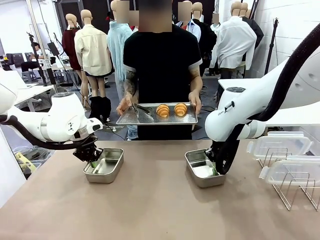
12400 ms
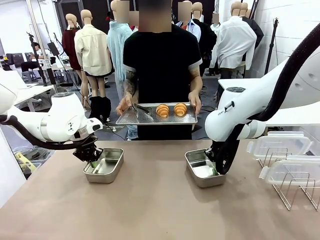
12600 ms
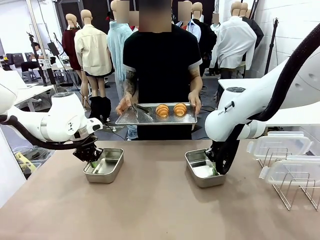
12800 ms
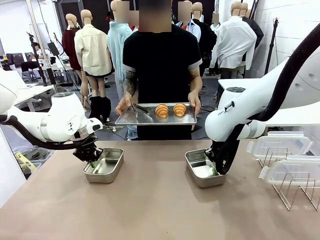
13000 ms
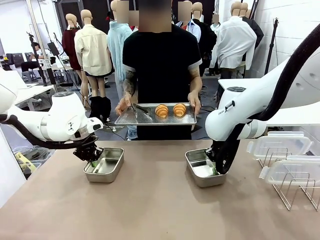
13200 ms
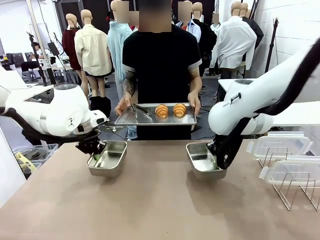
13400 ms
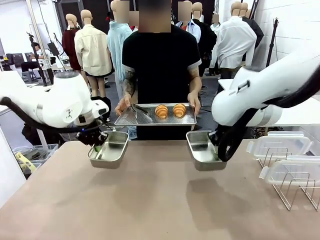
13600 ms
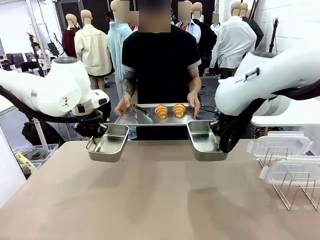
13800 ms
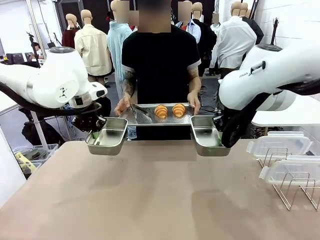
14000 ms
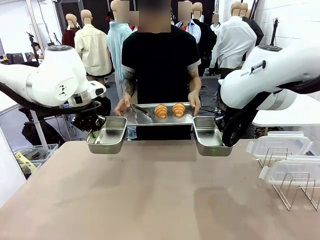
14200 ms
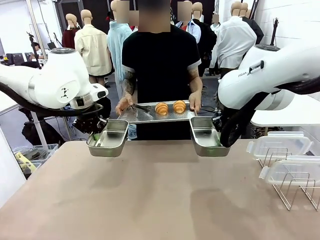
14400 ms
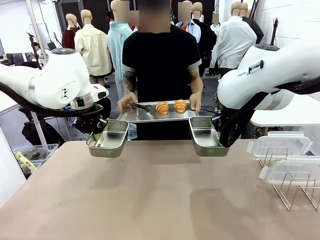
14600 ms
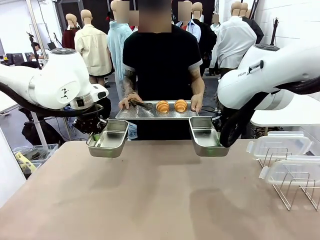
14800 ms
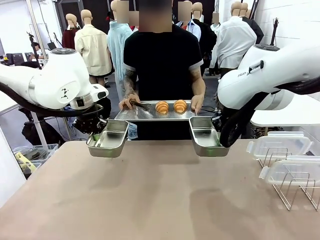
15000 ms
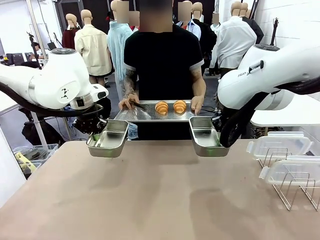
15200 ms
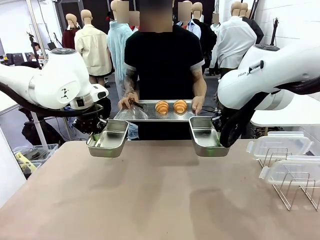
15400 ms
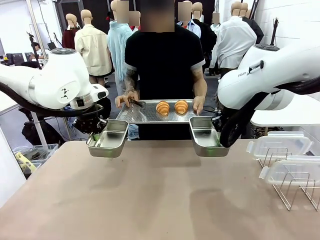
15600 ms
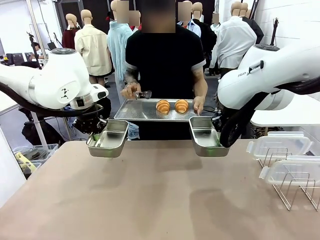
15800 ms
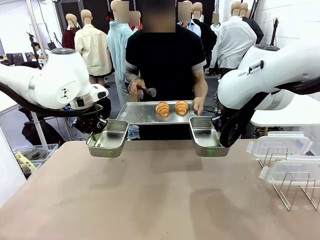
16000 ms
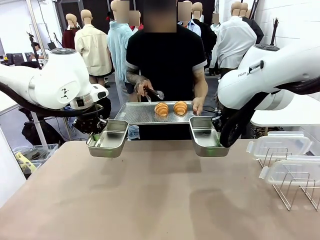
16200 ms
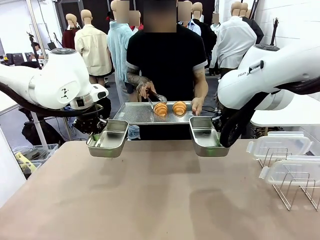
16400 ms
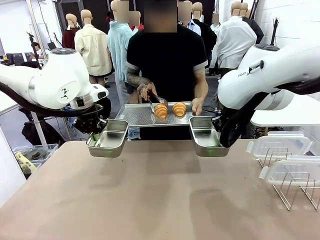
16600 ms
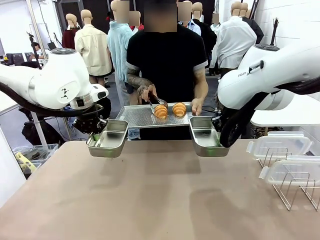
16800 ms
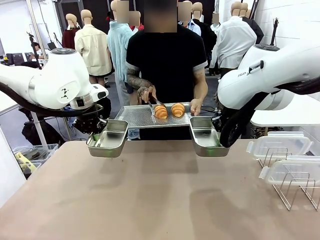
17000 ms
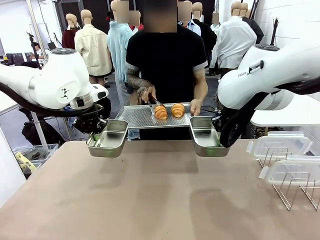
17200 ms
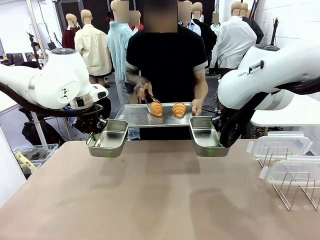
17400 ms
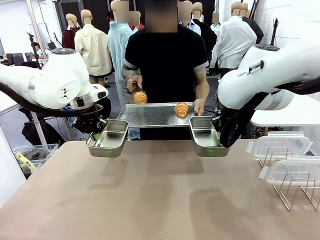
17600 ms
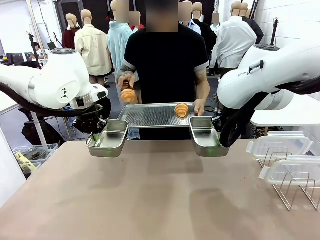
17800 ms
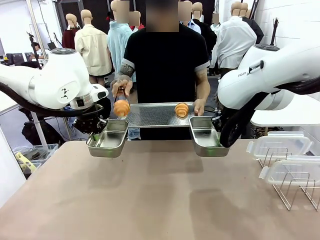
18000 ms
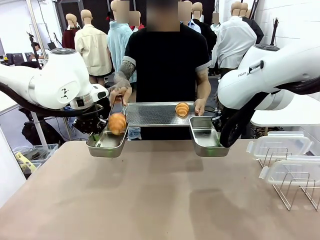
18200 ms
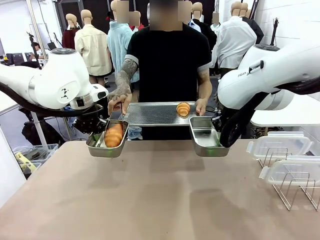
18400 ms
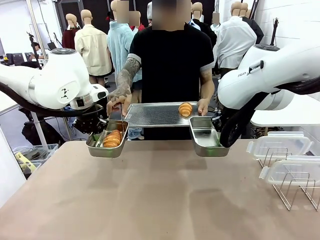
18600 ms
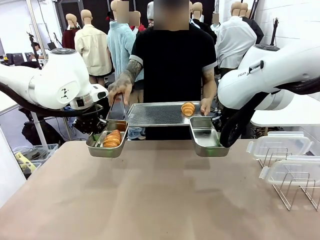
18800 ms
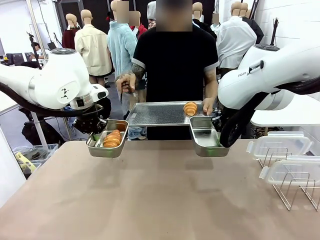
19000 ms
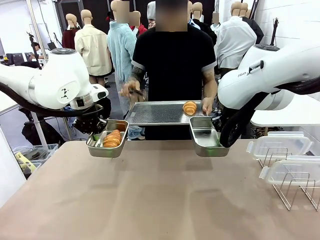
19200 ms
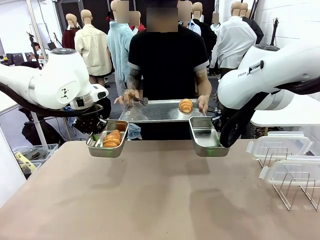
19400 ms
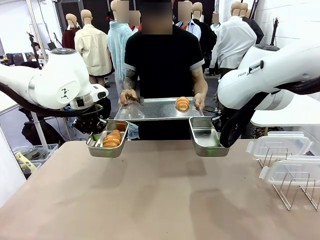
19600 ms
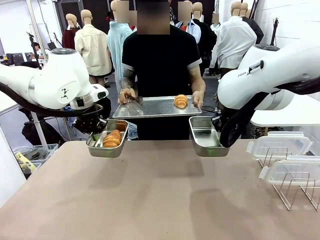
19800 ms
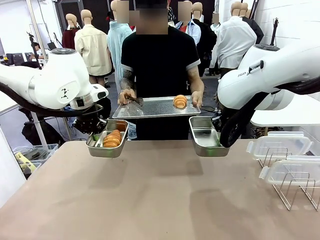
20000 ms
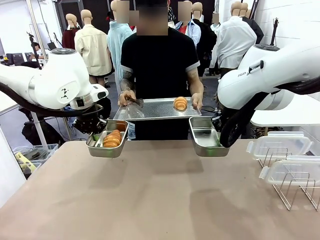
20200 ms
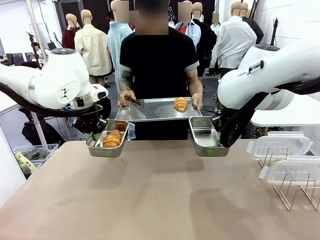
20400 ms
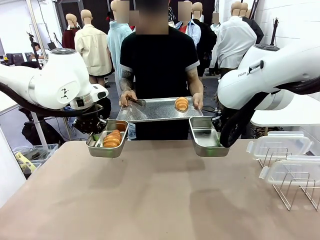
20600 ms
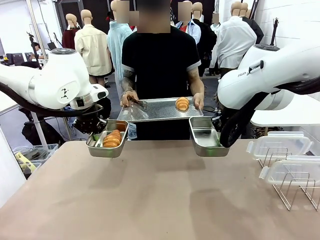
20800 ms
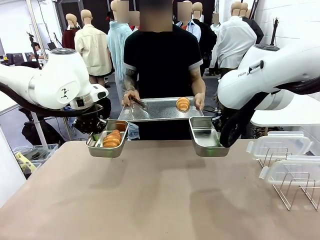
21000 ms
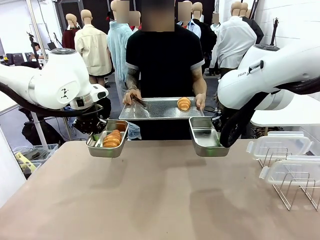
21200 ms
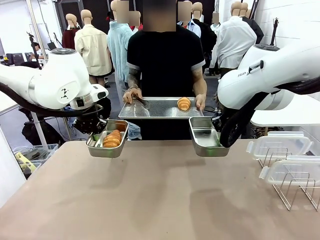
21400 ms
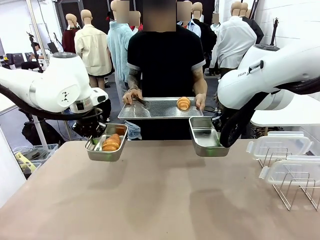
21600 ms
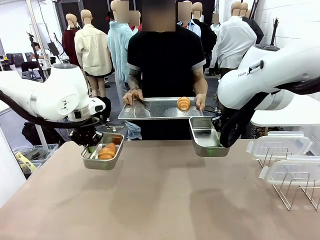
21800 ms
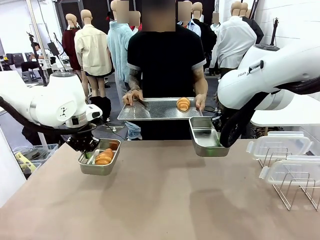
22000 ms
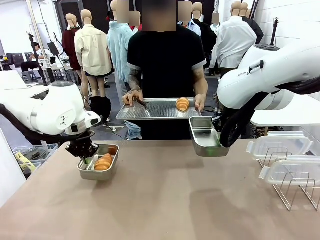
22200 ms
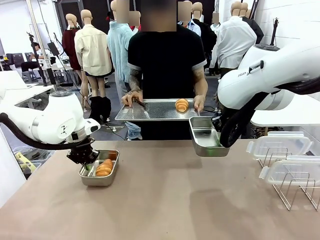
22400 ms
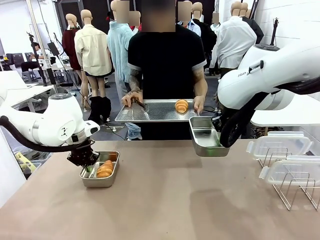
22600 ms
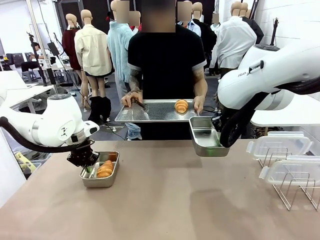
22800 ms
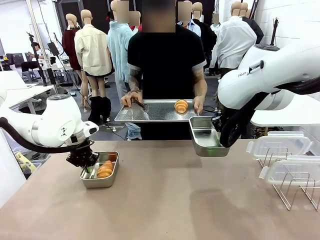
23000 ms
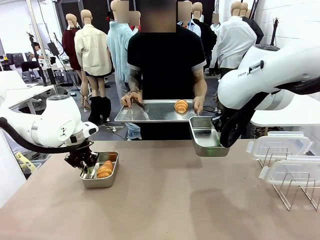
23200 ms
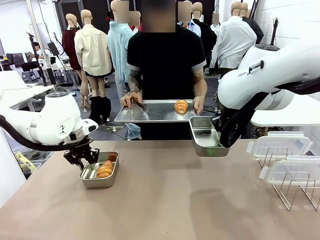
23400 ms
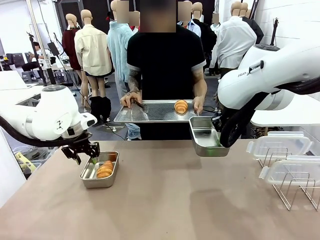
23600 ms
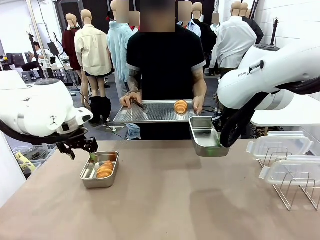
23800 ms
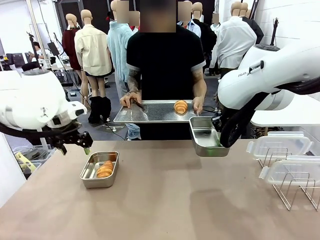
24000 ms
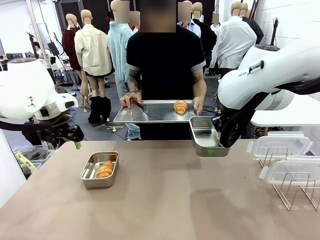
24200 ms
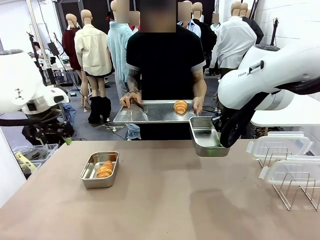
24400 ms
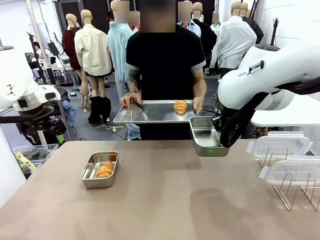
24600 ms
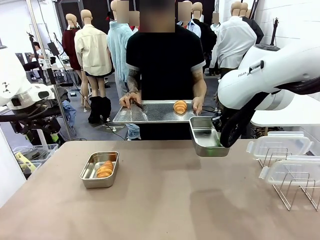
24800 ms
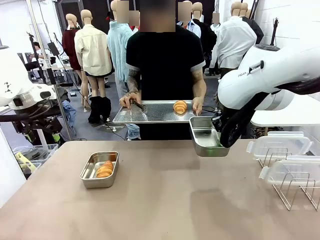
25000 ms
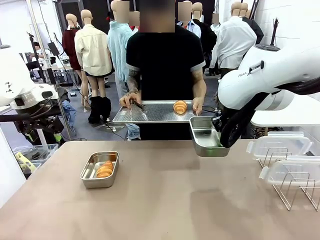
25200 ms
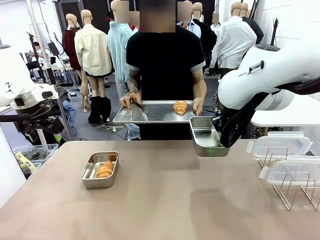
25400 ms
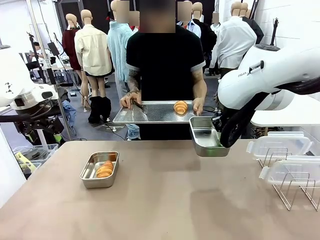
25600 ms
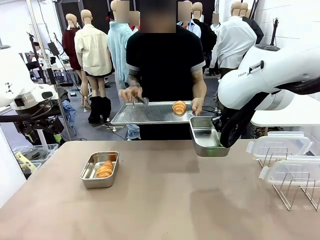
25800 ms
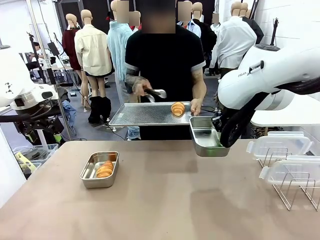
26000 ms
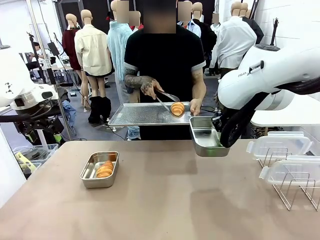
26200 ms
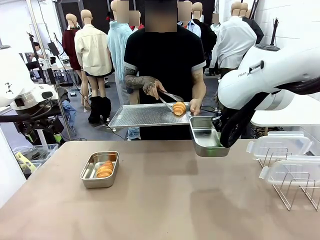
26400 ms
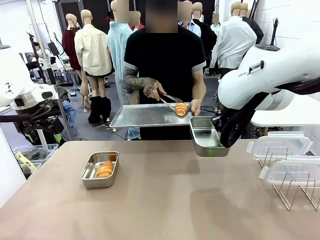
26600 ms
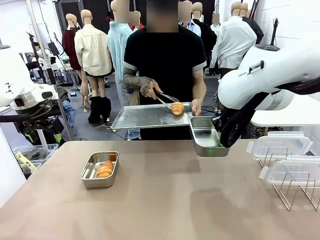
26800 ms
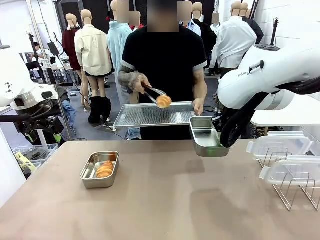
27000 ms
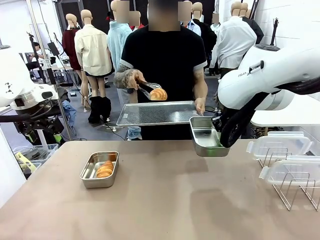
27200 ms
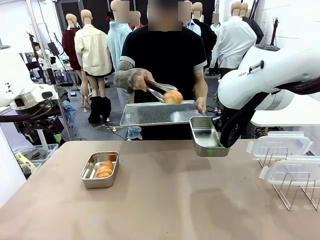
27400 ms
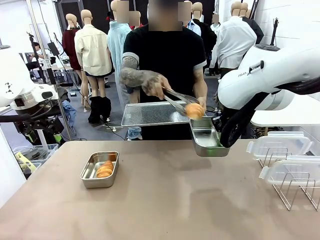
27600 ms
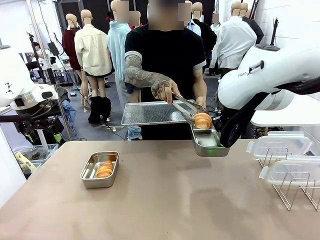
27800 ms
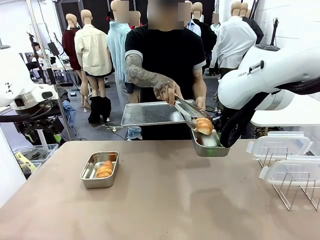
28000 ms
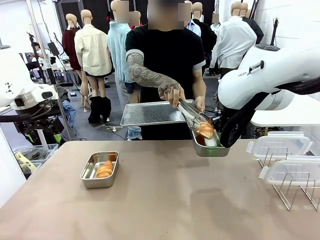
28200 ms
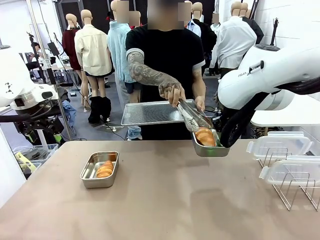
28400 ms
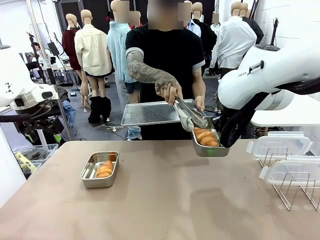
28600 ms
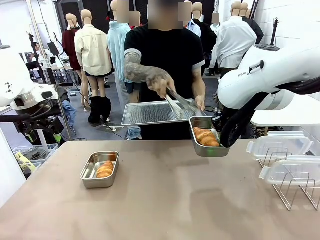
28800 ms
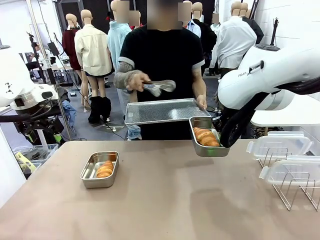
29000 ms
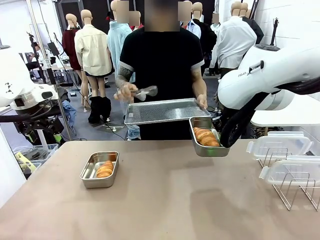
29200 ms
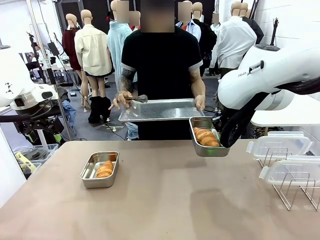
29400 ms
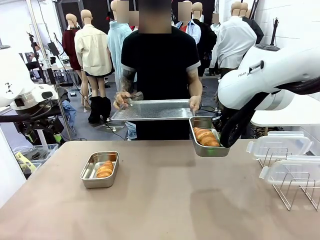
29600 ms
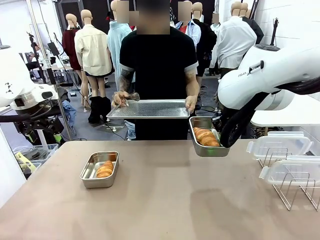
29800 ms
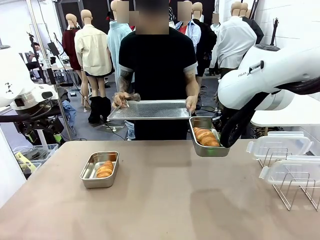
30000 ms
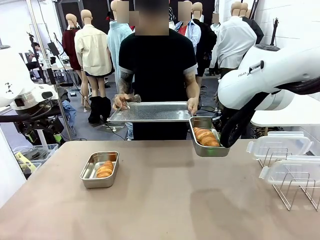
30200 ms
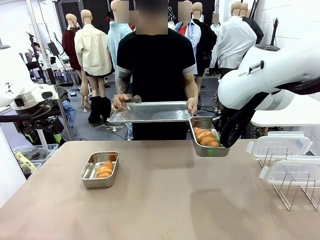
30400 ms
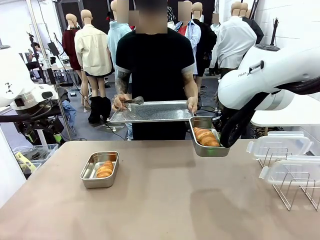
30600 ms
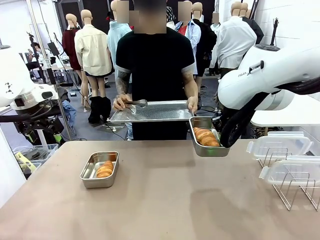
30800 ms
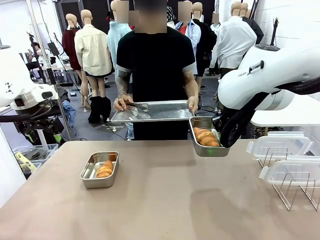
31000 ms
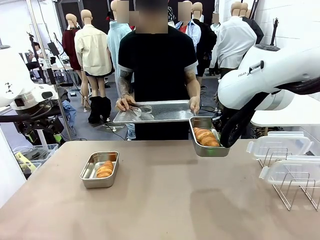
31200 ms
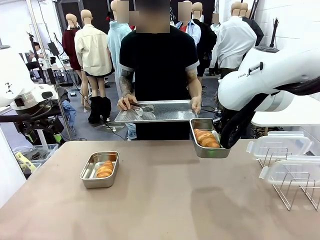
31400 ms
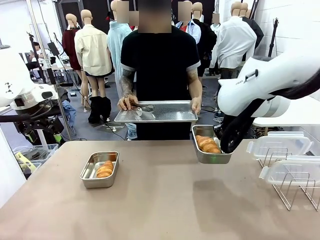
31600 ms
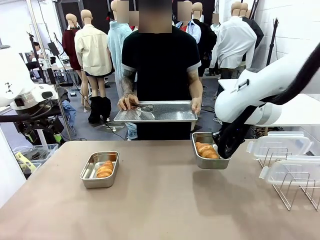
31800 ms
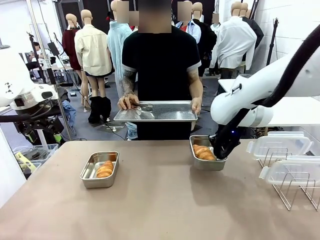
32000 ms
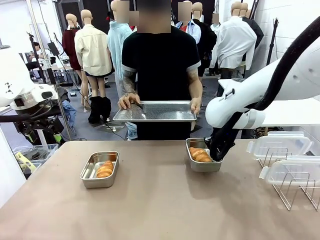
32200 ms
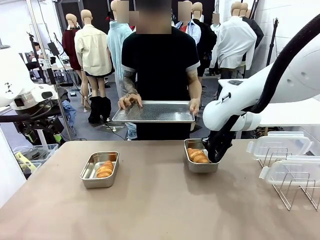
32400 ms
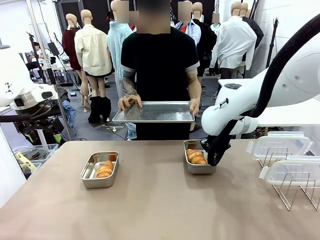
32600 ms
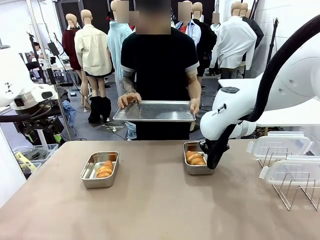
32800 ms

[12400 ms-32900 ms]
Task: Place the bread in airtight containers.
Robot: Once an object is inside an Airtight Container , place the container in the center of the table.
Person: Use the Stainless steel tongs to place one object from Baking Sheet into one Airtight Container.
